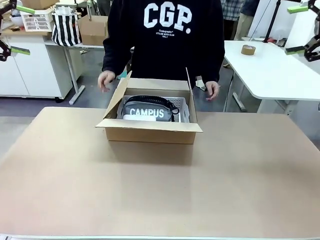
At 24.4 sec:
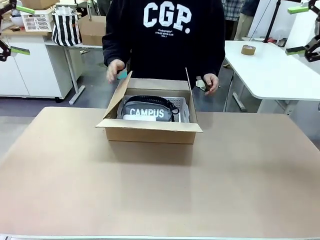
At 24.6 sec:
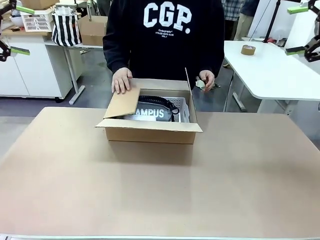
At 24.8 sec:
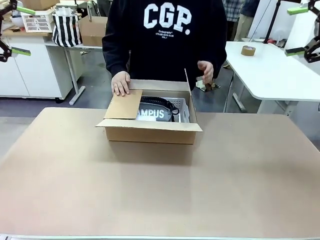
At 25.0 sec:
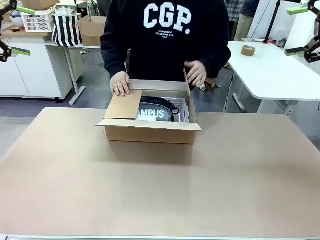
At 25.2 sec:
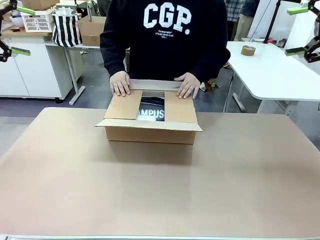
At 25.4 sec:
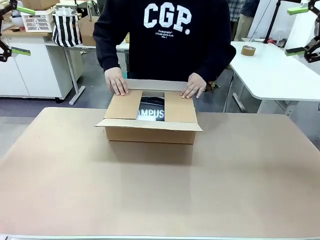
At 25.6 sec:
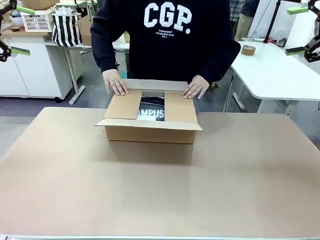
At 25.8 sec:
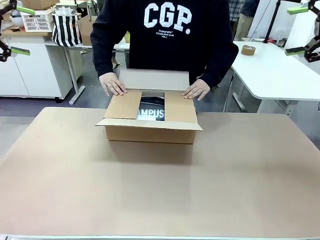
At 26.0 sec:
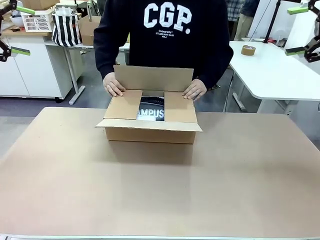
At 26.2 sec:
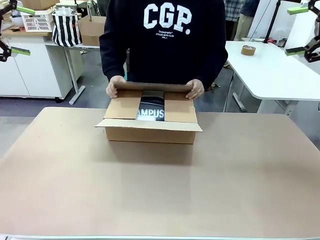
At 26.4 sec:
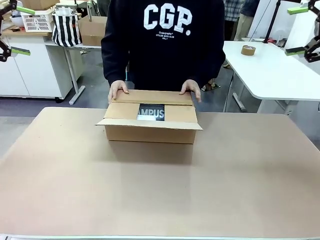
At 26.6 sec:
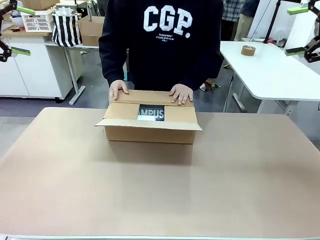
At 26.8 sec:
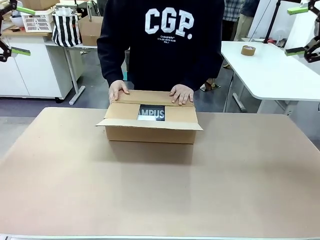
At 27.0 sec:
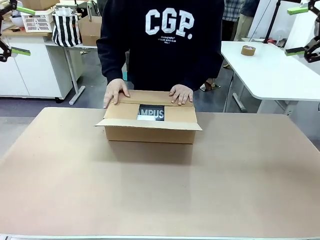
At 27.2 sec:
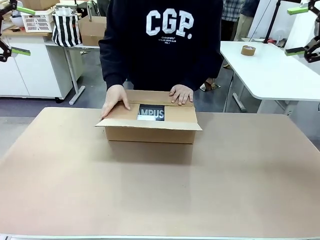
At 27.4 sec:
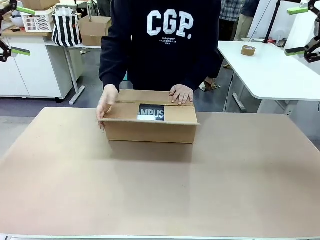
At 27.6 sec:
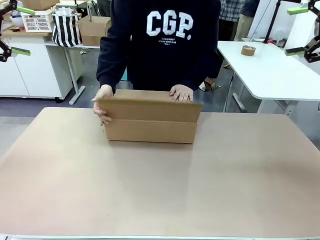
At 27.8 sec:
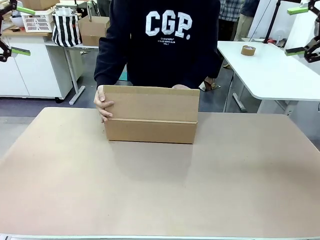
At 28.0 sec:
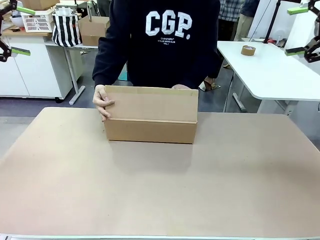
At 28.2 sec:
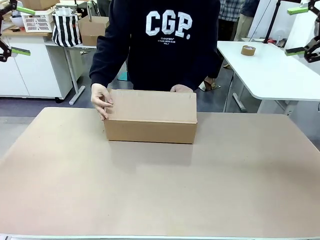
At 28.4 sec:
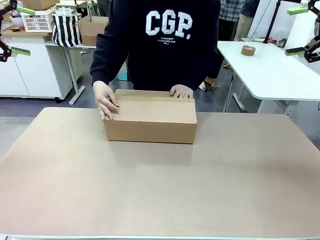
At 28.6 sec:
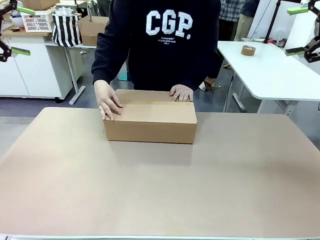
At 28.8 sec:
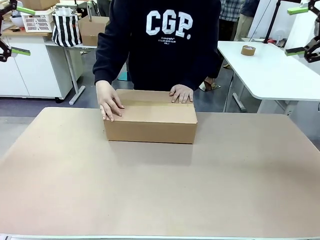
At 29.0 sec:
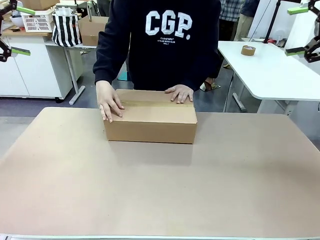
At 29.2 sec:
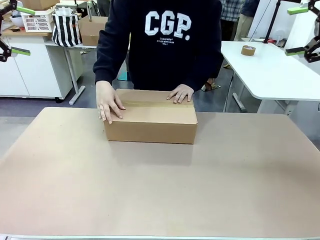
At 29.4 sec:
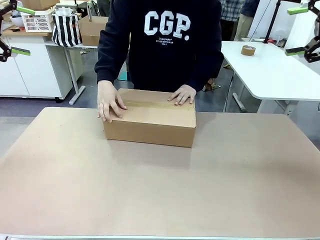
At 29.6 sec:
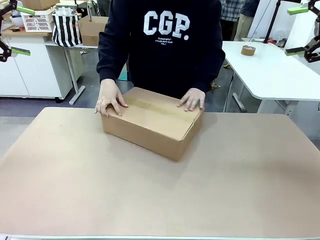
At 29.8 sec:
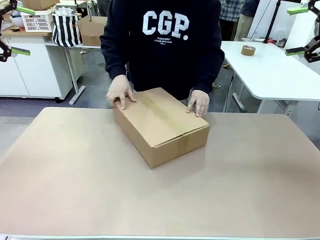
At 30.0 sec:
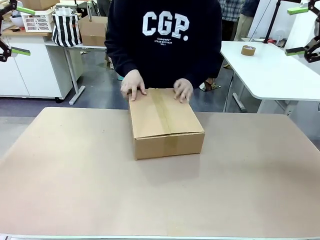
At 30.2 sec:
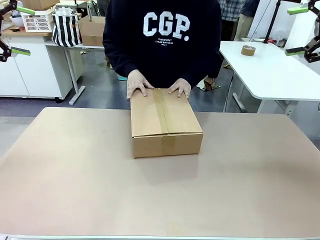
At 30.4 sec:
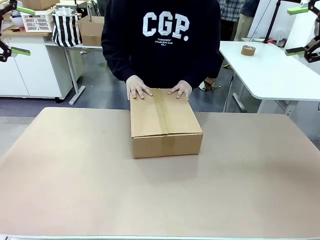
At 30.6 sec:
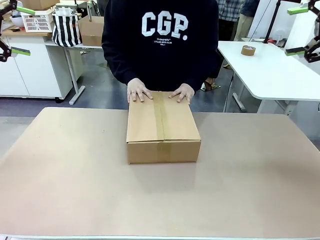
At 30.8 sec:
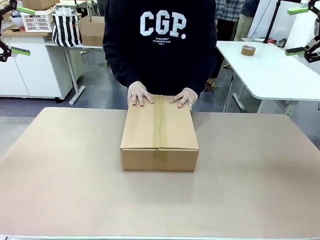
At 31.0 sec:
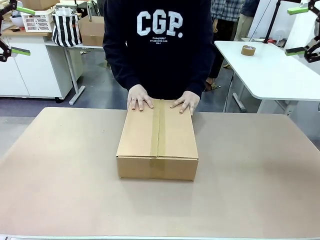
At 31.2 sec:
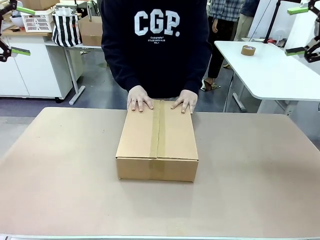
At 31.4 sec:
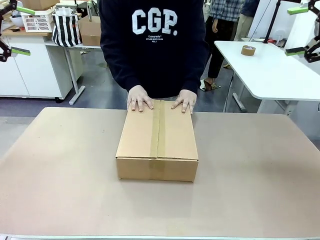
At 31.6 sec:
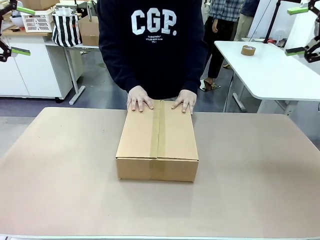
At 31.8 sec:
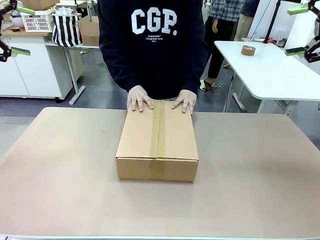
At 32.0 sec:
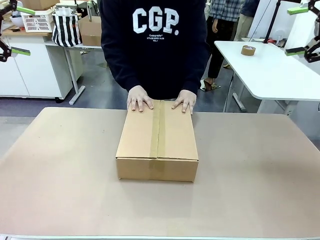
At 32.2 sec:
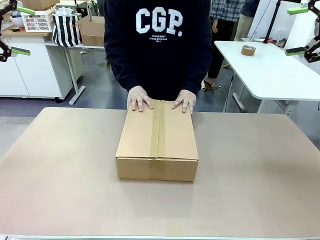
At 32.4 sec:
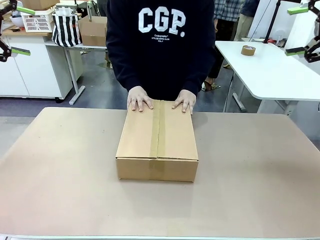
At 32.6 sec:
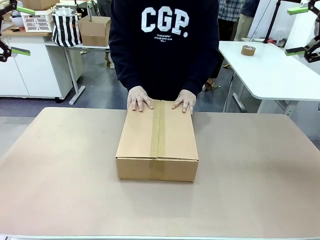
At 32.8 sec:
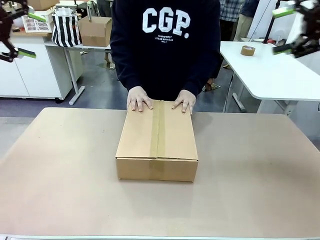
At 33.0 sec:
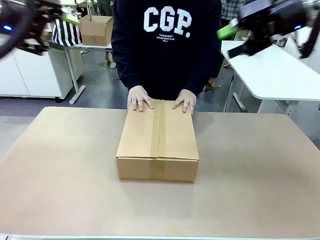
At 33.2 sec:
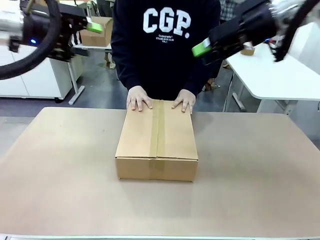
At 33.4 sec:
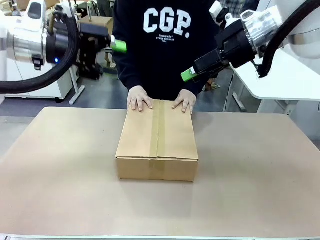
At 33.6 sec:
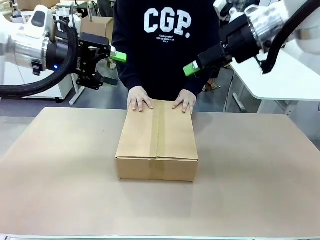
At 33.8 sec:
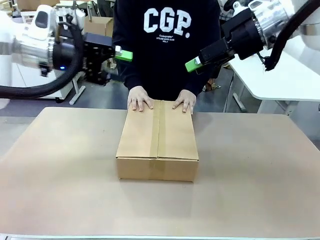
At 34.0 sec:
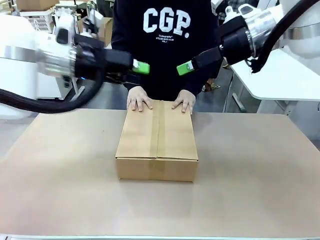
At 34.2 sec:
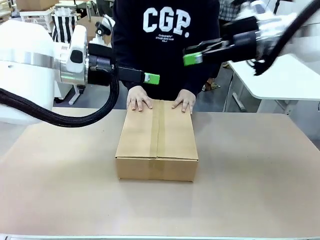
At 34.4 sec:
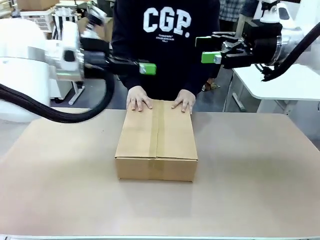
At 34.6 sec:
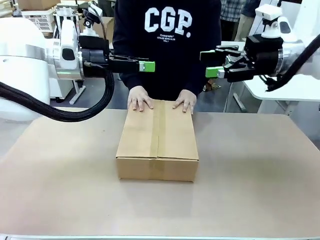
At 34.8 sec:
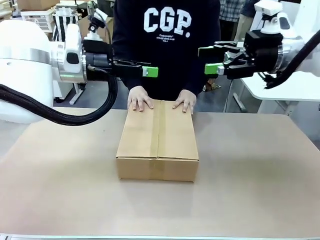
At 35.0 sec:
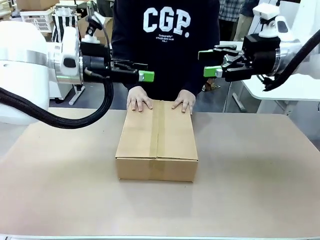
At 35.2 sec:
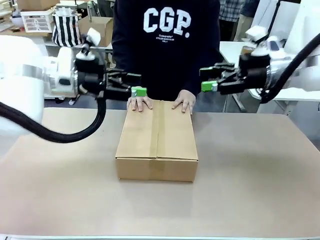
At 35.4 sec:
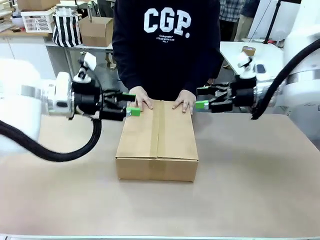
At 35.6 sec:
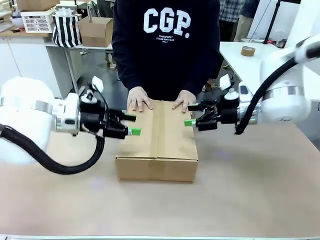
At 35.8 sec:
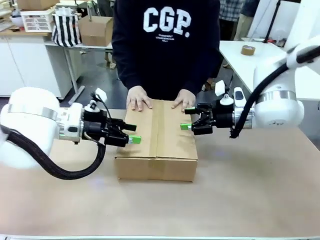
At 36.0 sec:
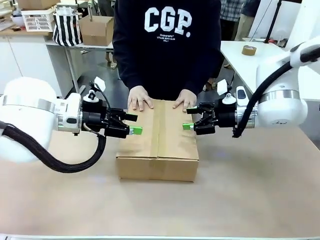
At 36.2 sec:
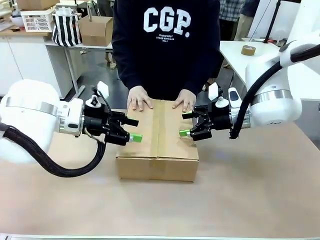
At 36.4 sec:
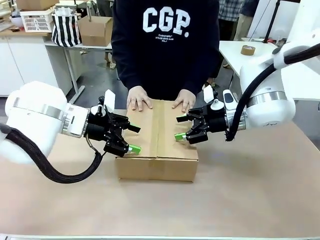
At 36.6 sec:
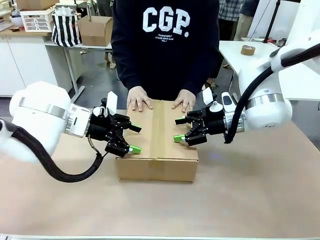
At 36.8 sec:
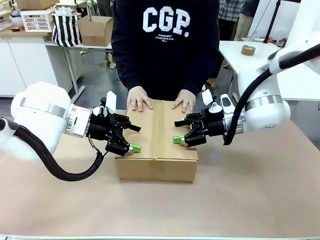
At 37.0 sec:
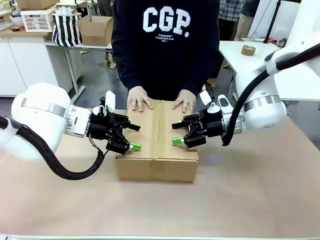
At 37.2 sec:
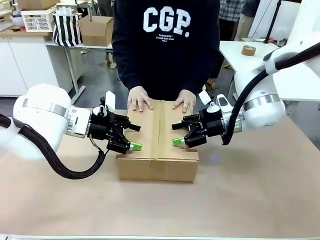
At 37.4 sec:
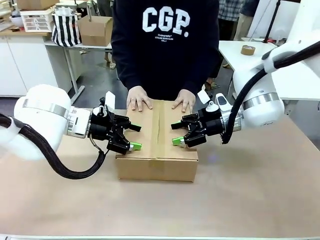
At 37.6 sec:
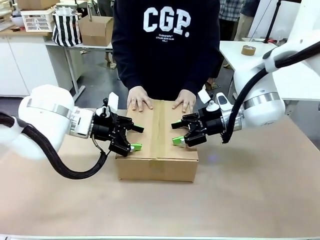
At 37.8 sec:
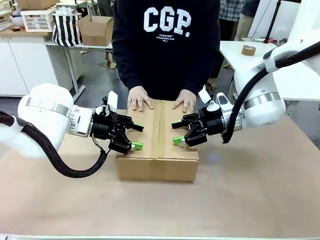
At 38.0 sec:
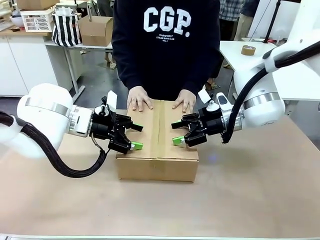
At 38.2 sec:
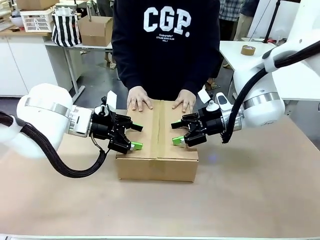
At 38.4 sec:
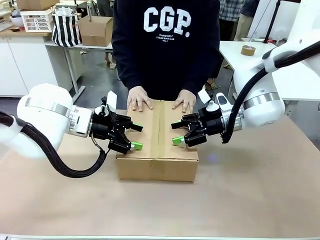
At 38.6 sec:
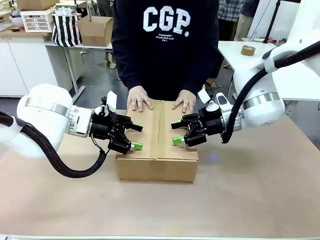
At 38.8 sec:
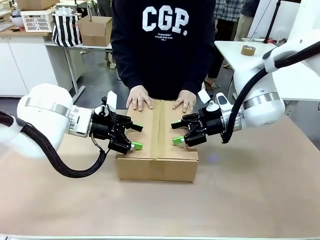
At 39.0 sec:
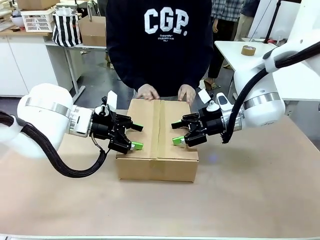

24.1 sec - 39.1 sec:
Task: Pack the gift set into the box.
Robot: Press and hold the closed box until the human finishes sealing it.
Person: The human closes the box and rotates the box by 90 degrees.

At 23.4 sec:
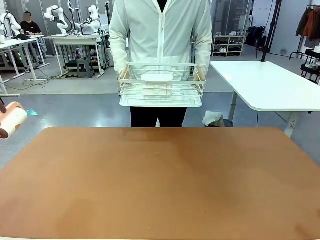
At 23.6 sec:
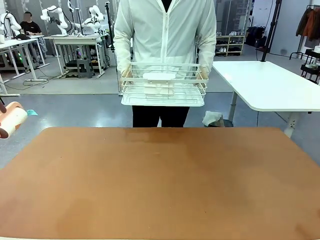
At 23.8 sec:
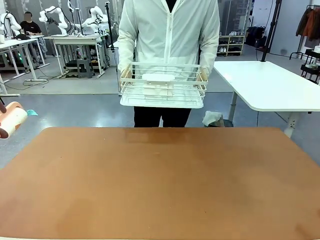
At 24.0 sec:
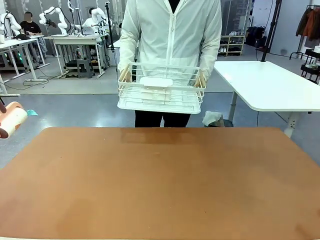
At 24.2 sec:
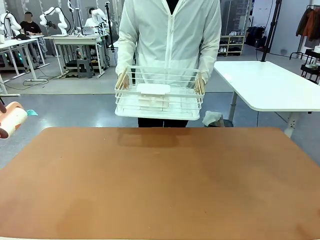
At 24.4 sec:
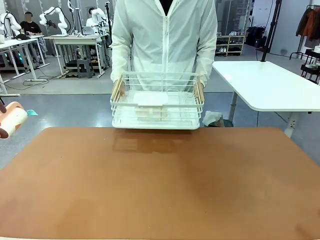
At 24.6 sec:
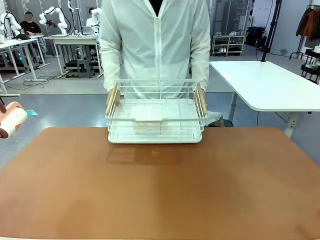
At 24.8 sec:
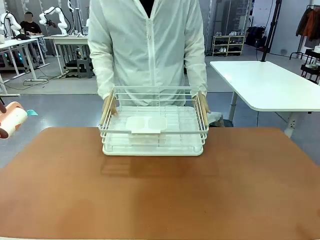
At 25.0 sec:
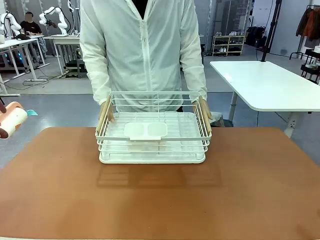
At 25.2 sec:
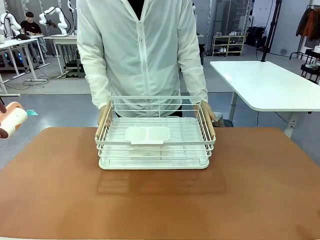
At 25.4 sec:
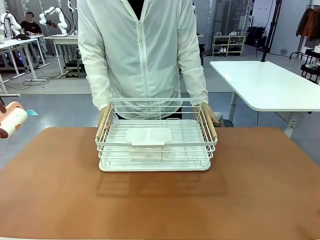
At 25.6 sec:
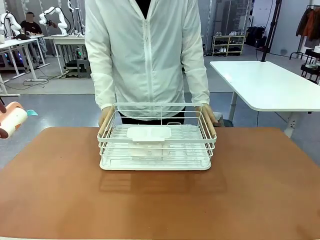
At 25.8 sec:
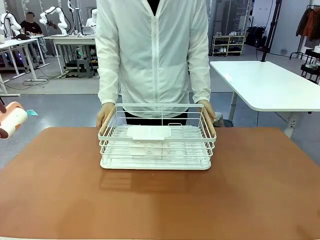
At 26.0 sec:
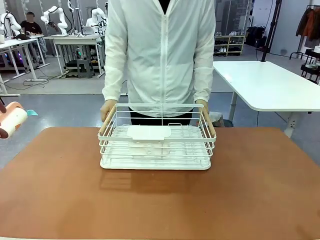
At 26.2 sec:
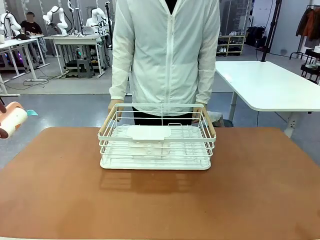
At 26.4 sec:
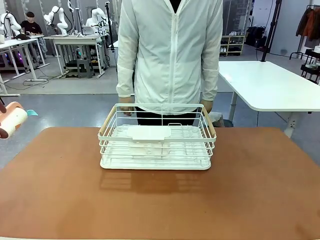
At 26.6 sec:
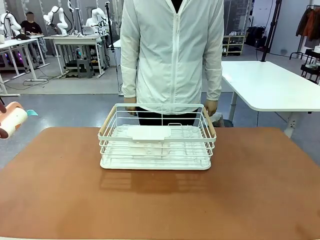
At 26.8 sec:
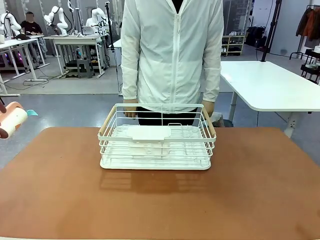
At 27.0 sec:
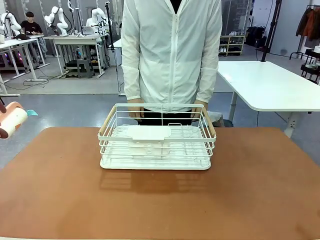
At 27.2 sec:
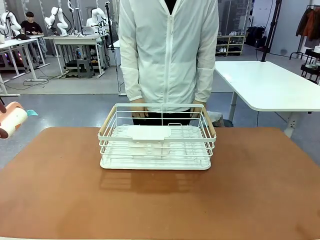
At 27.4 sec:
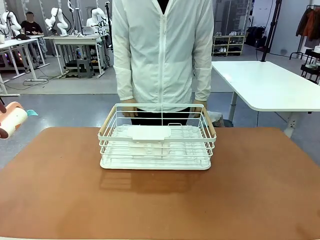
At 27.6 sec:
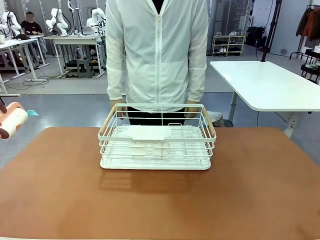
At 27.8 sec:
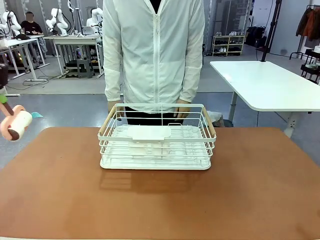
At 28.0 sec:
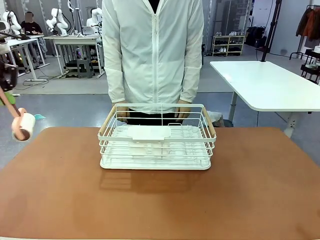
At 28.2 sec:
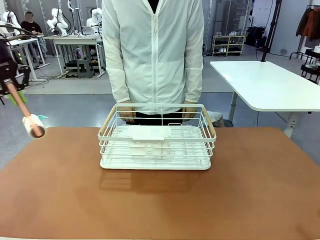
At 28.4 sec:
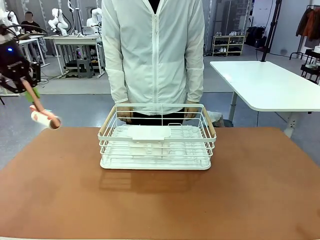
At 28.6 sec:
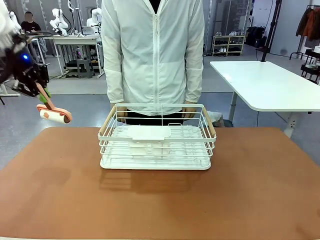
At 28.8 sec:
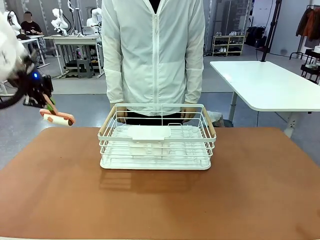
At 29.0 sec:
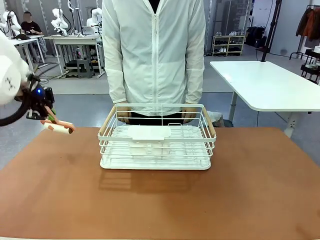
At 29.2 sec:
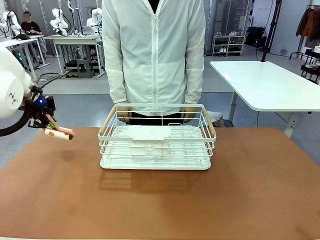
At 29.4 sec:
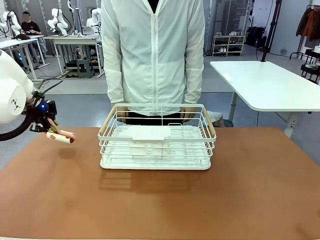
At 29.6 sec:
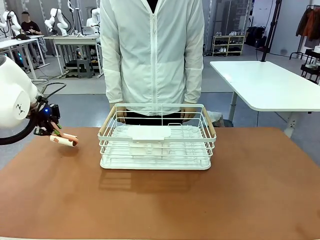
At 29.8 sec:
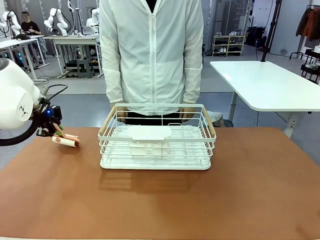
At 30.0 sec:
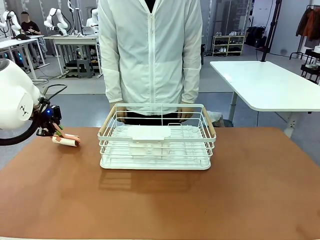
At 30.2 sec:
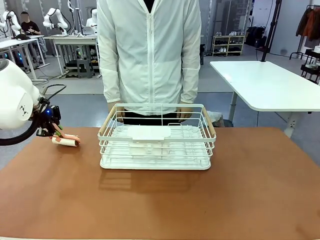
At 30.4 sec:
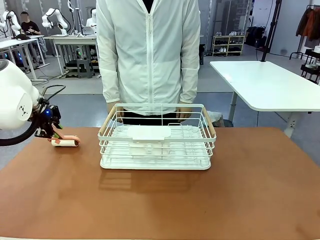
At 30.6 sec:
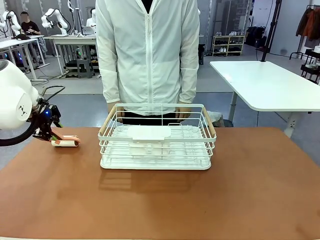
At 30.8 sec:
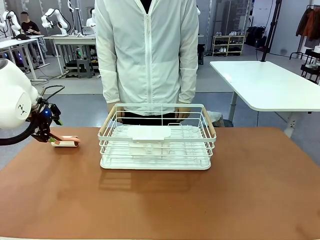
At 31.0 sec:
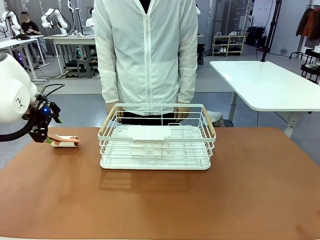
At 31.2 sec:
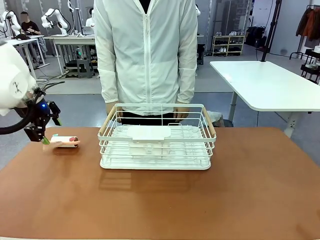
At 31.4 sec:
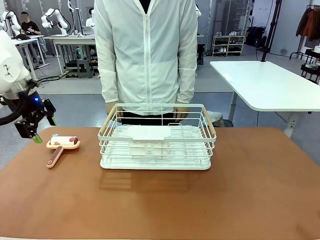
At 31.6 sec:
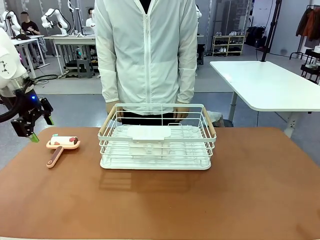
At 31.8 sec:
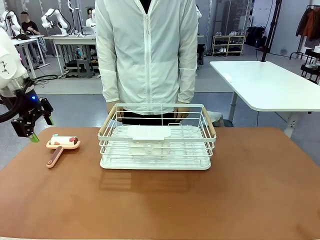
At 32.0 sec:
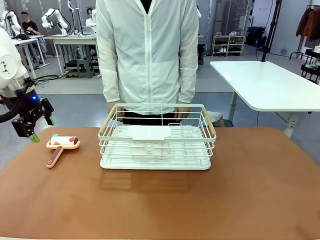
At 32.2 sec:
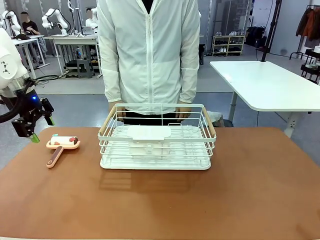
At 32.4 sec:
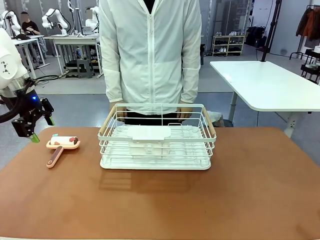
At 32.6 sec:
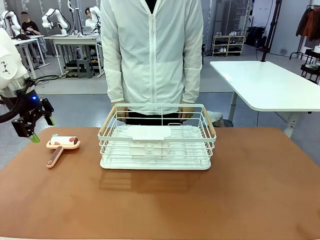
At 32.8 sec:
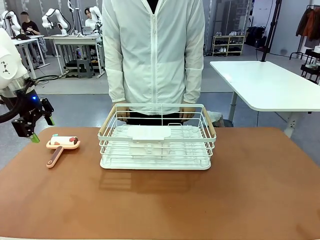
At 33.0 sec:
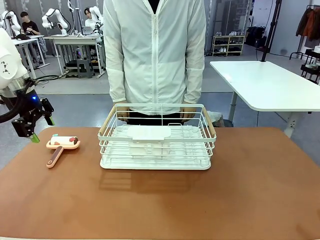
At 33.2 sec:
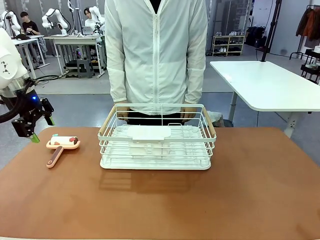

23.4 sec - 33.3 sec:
Task: Clean the table.
Robot: Place the Lint Roller down when the Dish drying rack is positioned in the middle of the table.
Person: Place the Dish drying rack down when the robot finishes cleaning.
